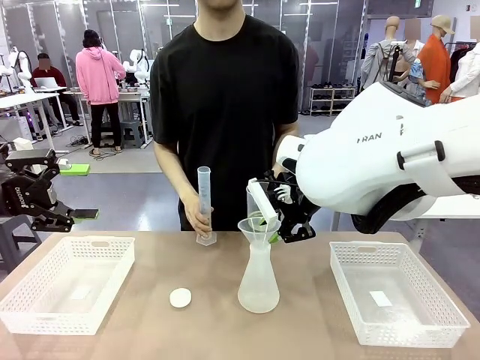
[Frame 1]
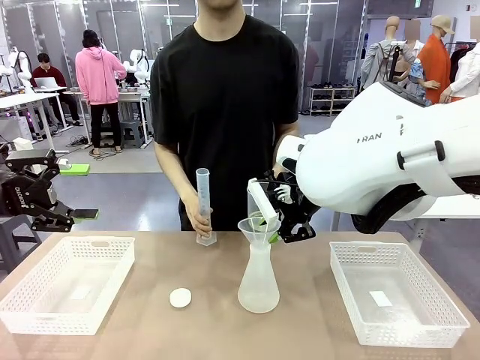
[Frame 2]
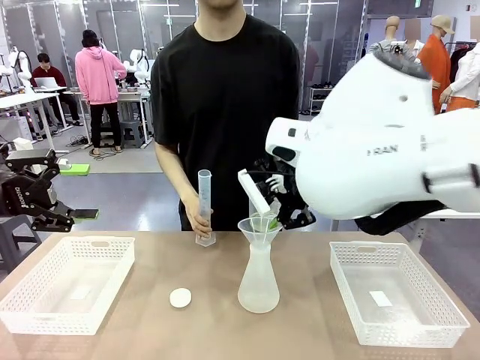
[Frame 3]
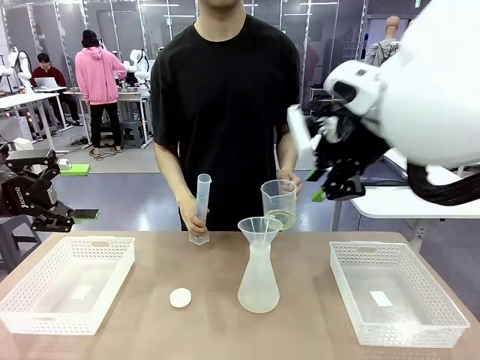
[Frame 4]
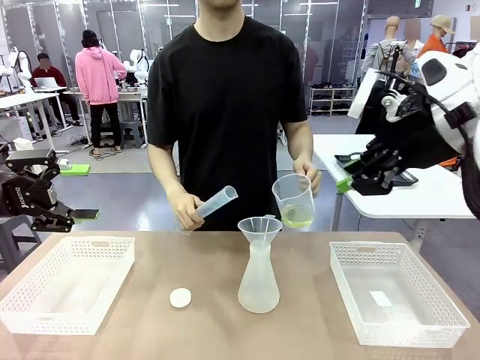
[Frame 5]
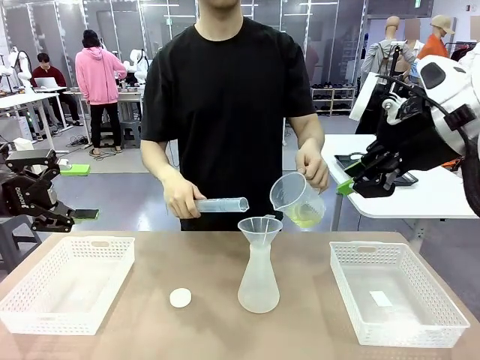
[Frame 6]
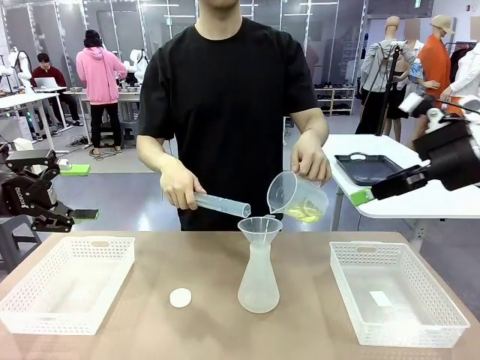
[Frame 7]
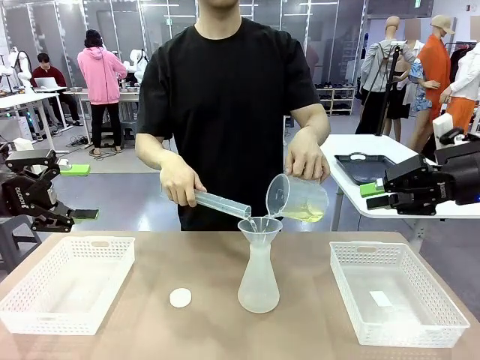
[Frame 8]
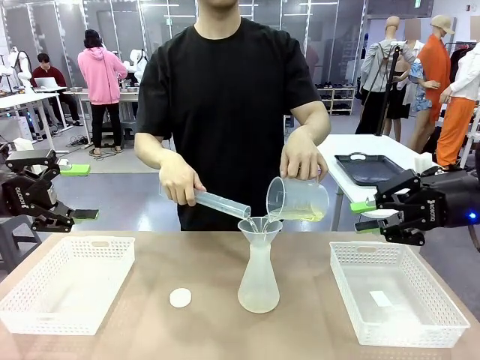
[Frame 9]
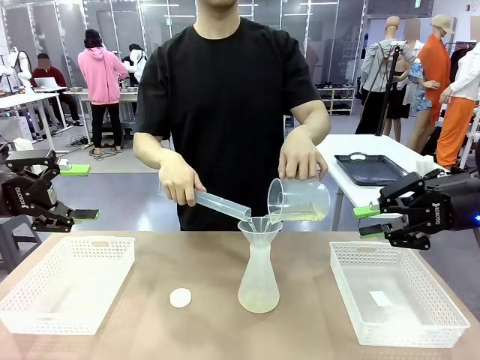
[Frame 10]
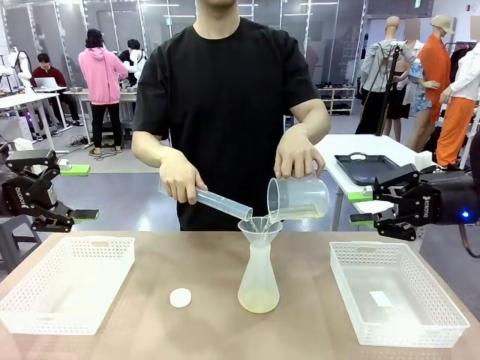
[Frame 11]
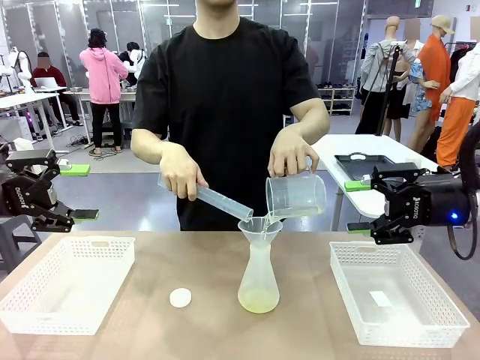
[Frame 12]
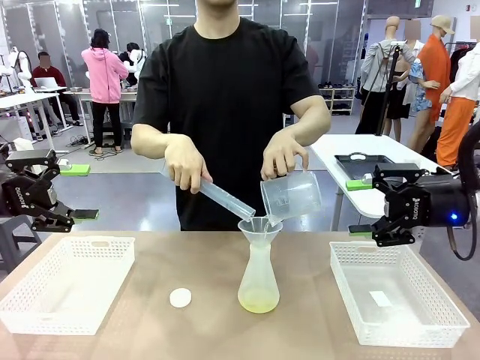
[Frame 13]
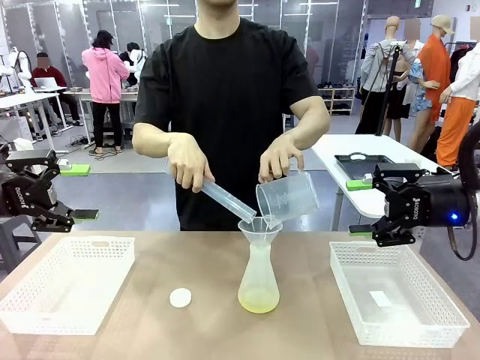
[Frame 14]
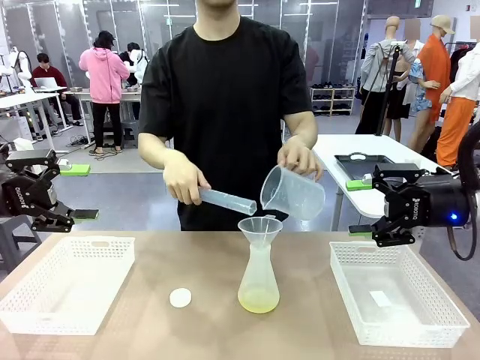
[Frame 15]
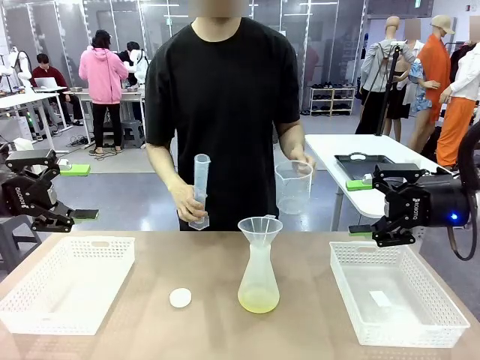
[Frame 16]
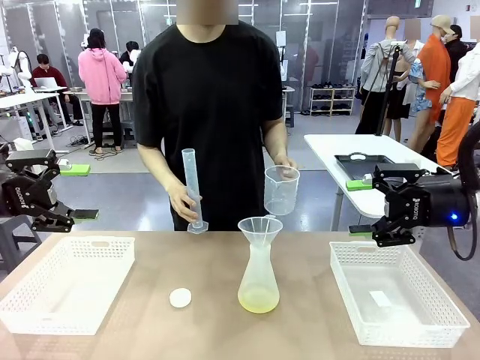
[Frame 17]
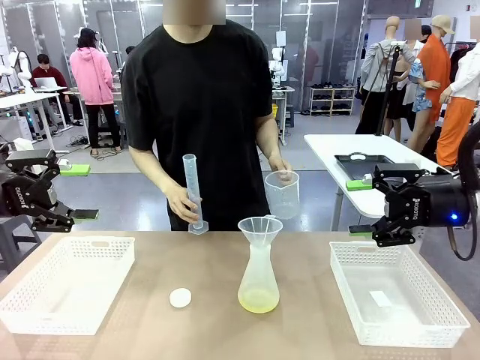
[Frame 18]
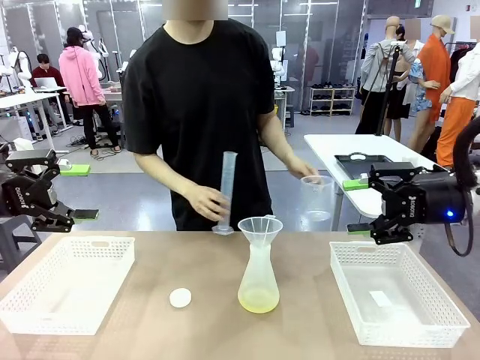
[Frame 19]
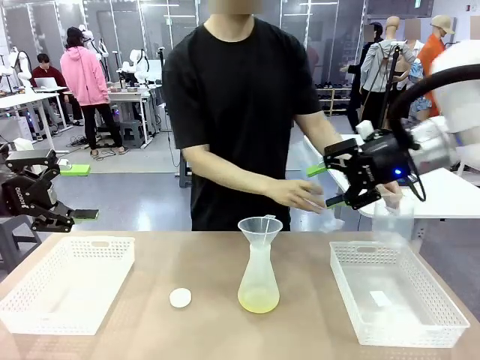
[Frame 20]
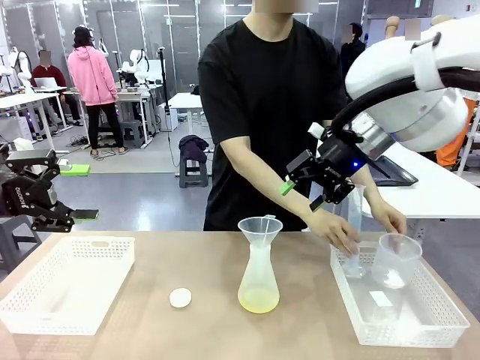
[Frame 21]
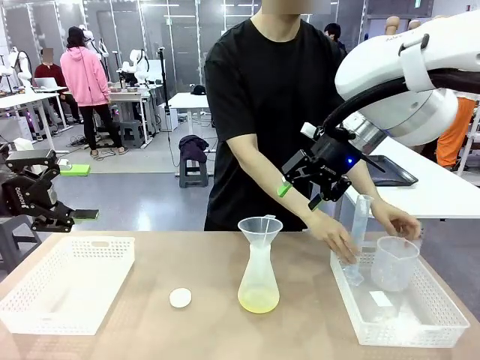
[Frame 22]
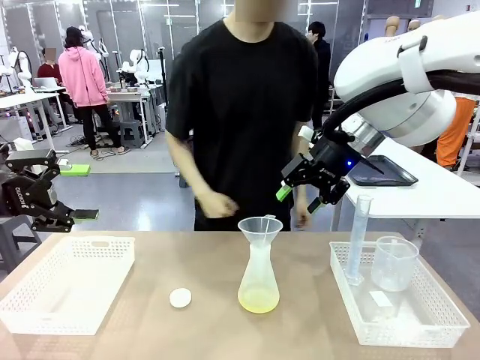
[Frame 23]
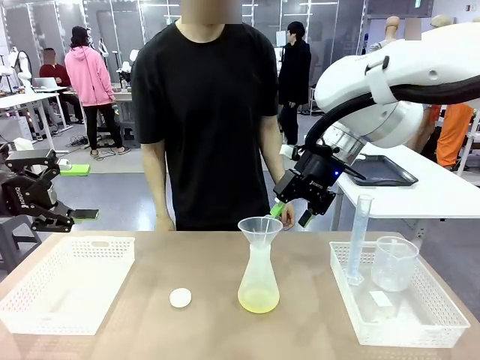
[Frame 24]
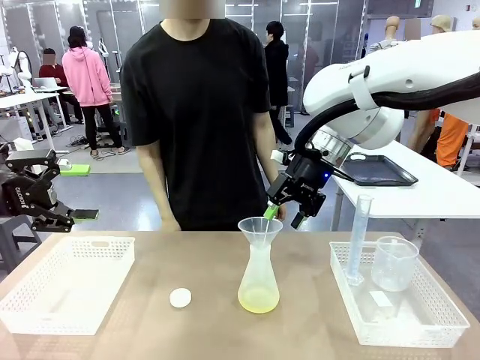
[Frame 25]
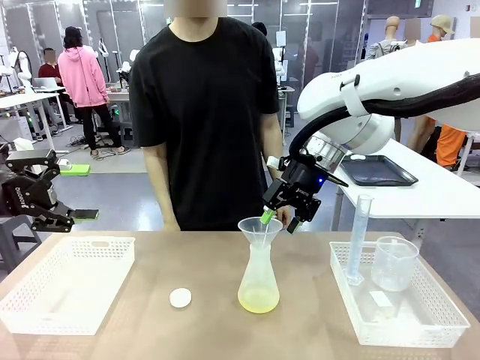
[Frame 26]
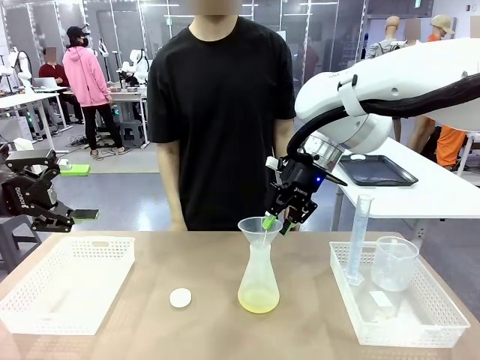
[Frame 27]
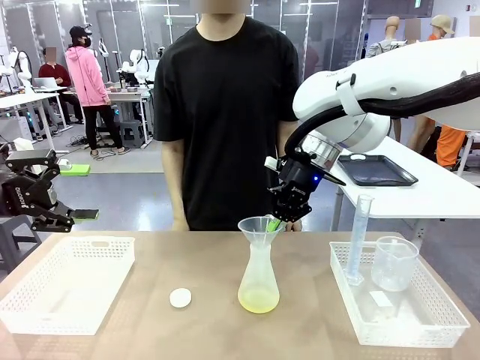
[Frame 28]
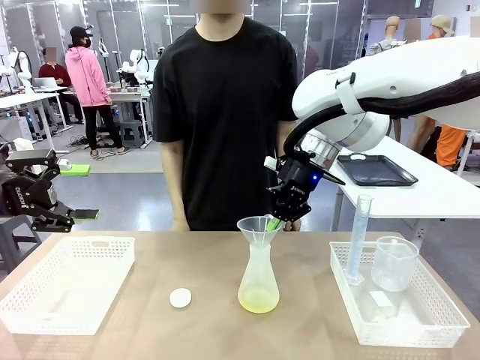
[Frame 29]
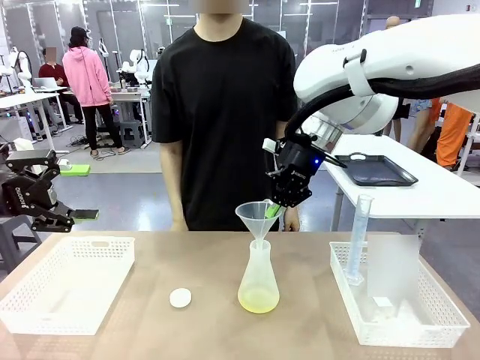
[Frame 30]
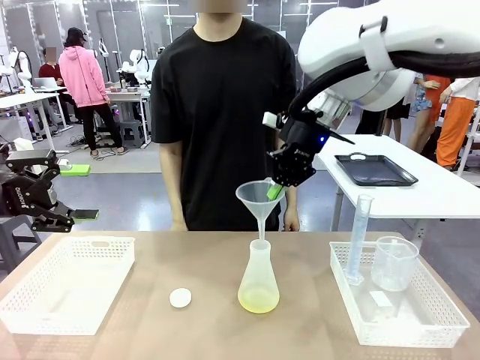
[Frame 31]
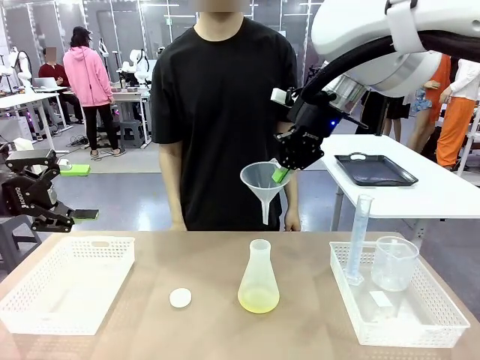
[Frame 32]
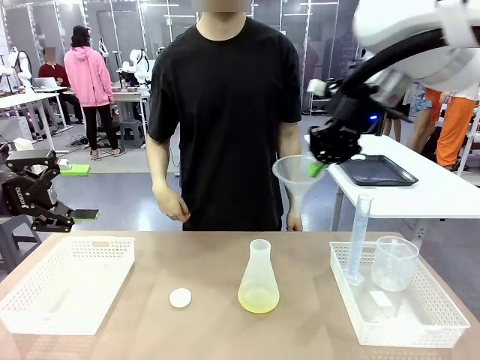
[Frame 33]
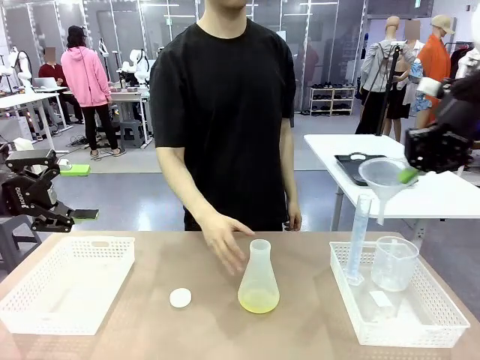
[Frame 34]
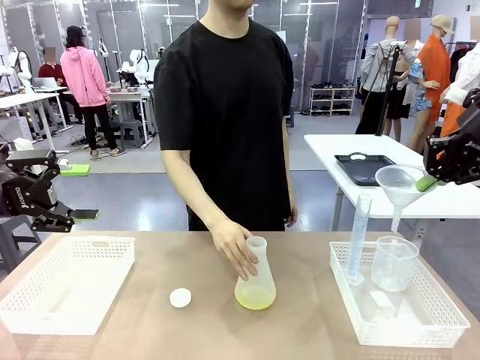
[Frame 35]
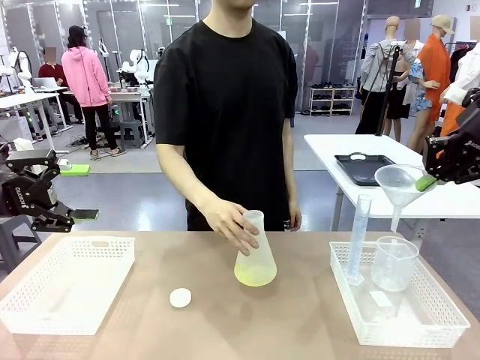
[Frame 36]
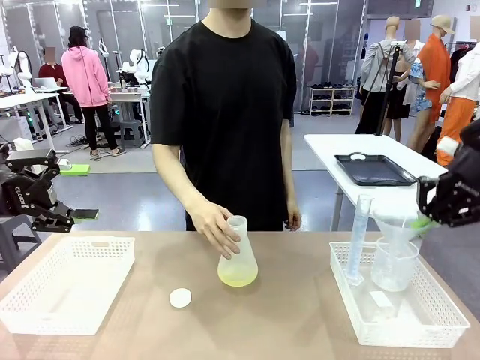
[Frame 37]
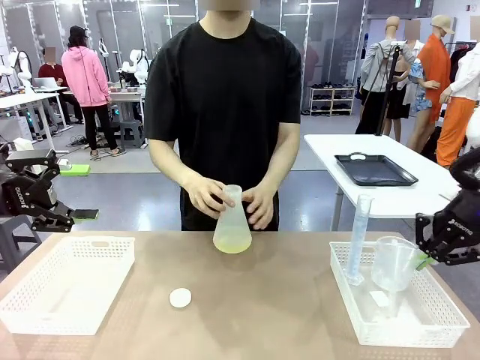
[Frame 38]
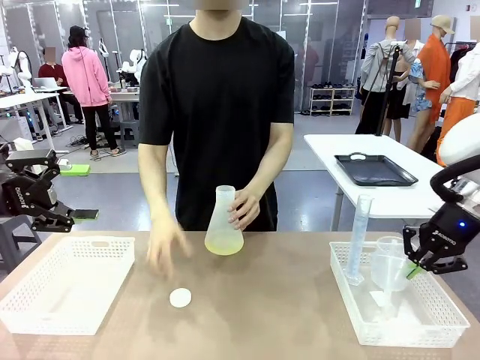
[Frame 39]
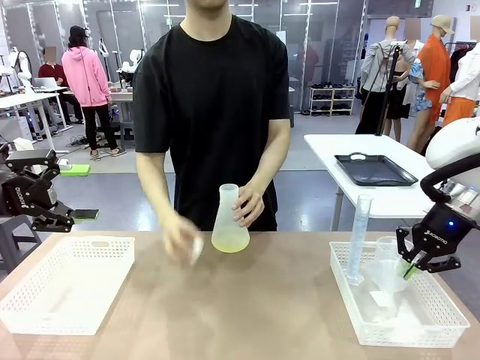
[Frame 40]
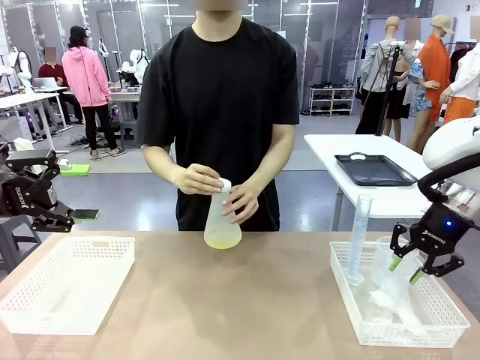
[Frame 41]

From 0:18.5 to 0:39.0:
Task: Prepare the solutions needed for the experiment.
Robot: Once the solution is in the Big flask , pick up the Plastic Funnel and place it back into the right Organizing basket.
Person: Place the beaker and the cylinder into the organizing basket on the left side. Pick up the flask, gently shake it 2–3 times, place it in the middle of the robot table, and close the lid.
